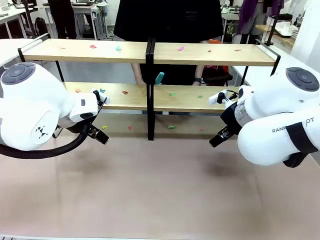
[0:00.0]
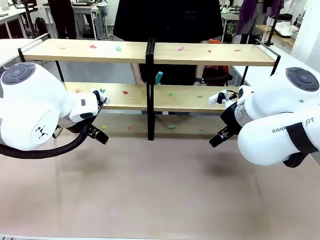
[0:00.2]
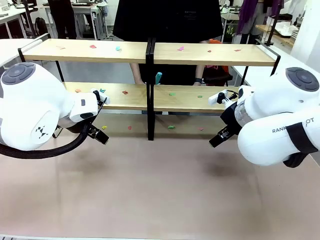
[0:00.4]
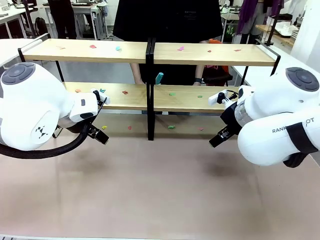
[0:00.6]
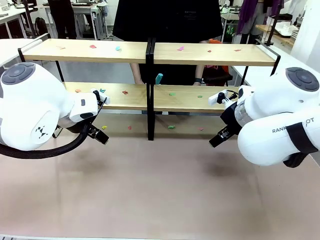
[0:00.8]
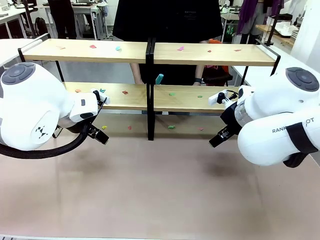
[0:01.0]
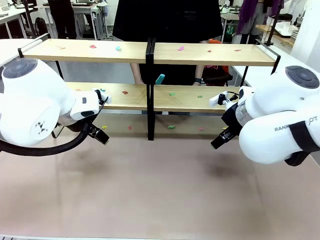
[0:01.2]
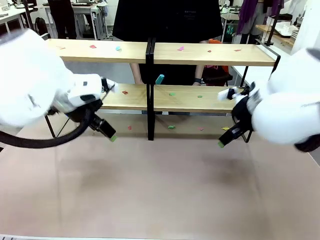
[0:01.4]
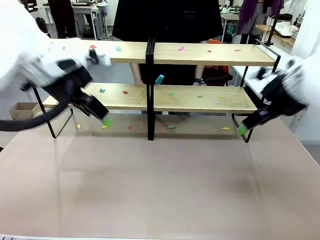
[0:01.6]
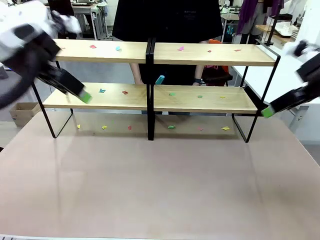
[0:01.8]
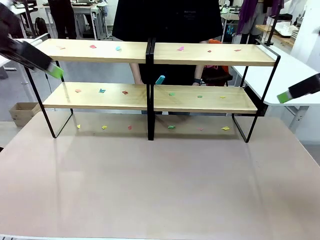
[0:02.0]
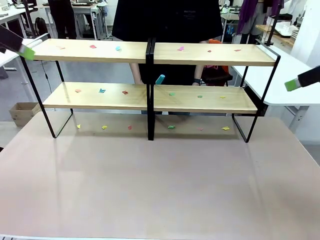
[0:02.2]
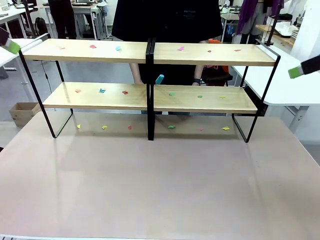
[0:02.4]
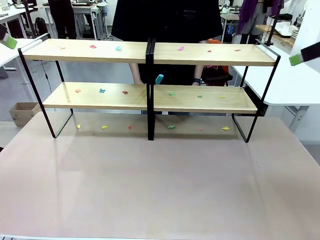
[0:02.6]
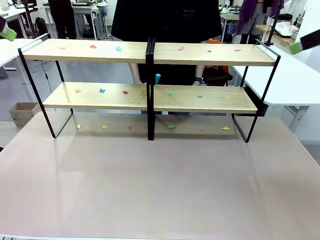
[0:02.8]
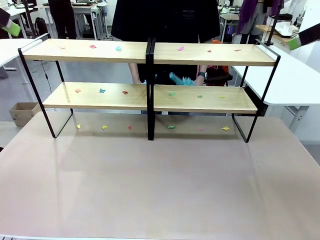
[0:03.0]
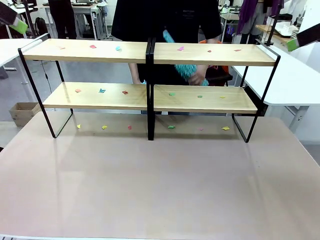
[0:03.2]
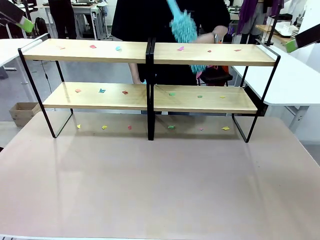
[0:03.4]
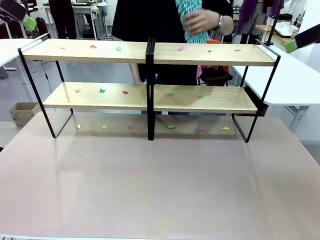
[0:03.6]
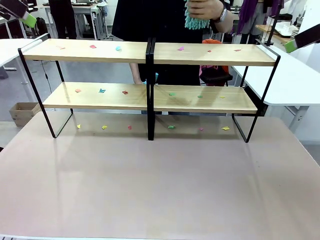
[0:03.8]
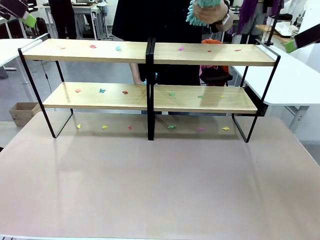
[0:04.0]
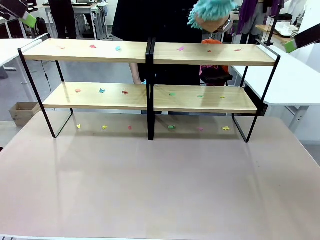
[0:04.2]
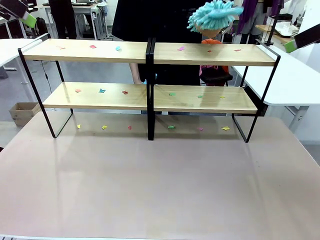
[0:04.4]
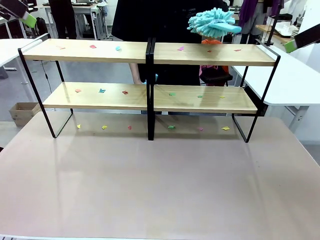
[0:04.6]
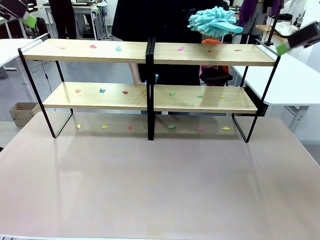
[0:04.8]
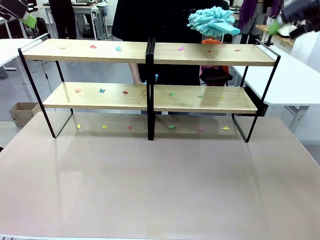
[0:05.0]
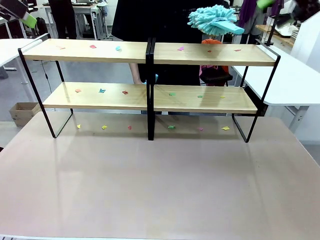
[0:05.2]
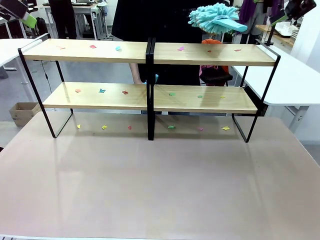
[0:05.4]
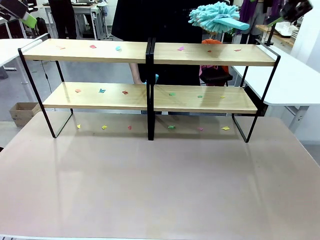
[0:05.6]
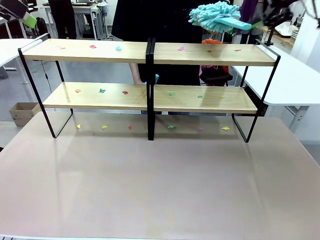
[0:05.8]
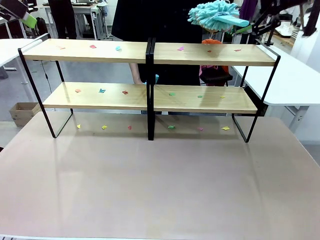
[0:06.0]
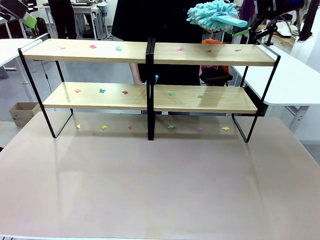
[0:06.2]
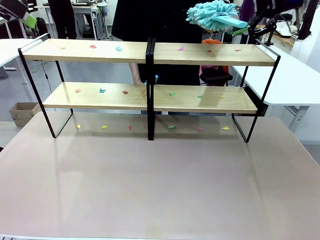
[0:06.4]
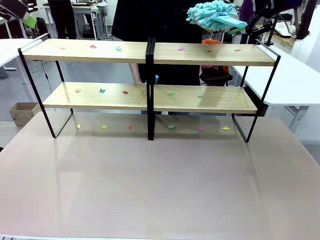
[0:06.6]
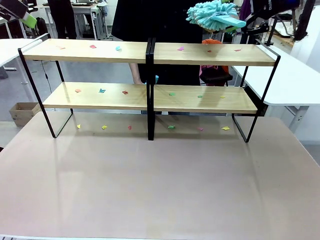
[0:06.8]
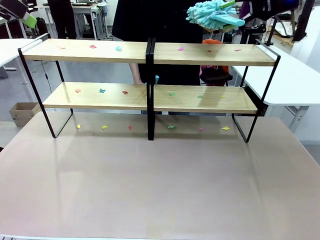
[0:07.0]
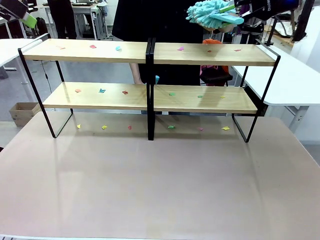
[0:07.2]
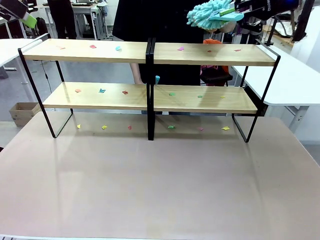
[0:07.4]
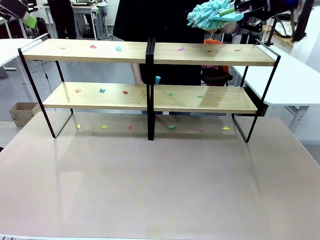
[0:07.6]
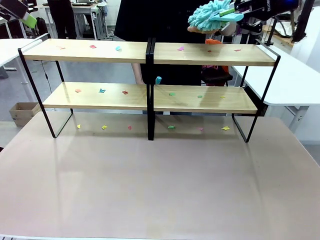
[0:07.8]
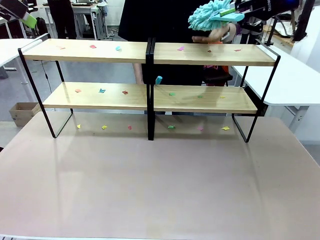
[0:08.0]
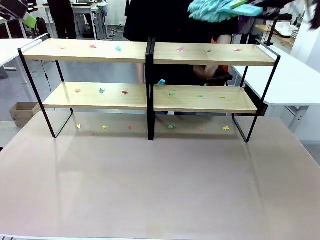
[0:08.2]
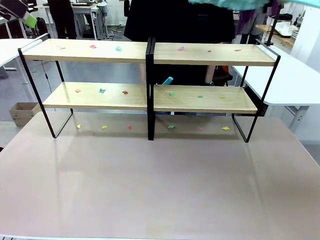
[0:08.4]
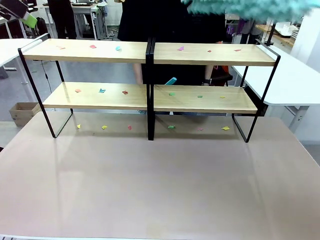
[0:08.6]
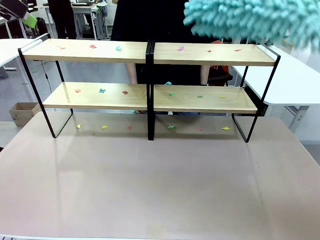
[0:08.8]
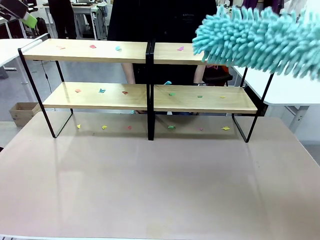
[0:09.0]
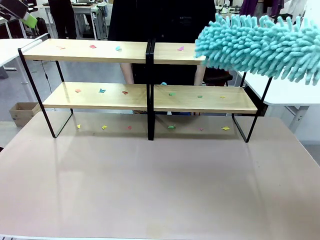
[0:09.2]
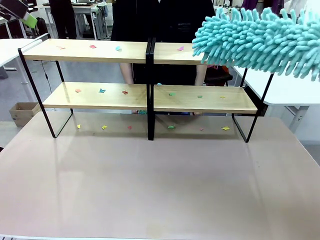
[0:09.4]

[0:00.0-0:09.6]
Task: Clean the shelves.
Robot: Pick up the Duster when the human hands it over.
Person: Hand the Duster to the robot with your right (or left) hand.

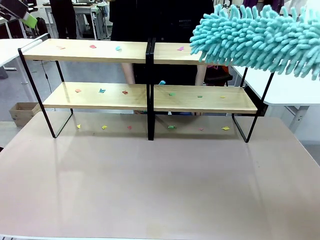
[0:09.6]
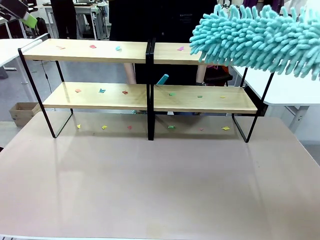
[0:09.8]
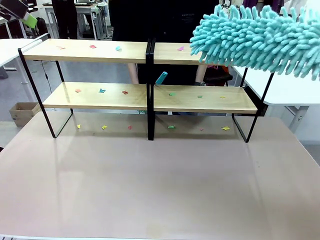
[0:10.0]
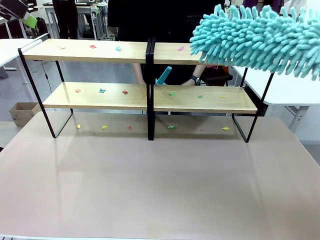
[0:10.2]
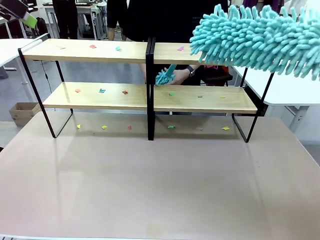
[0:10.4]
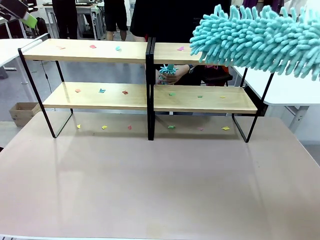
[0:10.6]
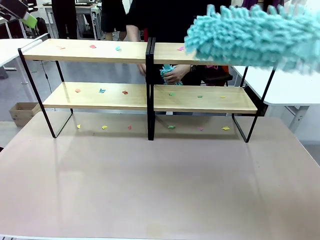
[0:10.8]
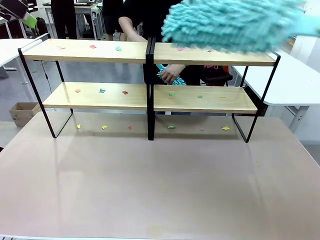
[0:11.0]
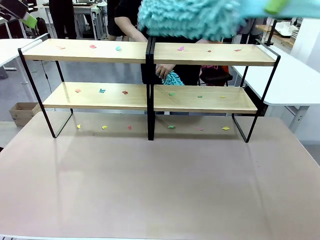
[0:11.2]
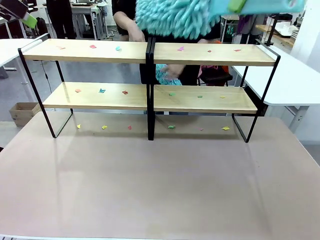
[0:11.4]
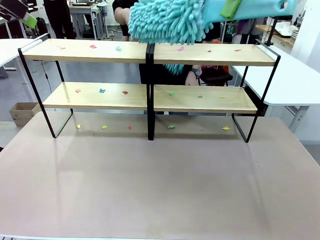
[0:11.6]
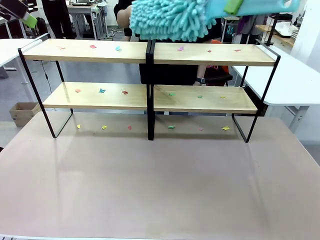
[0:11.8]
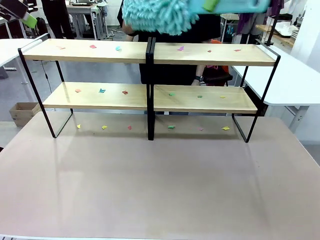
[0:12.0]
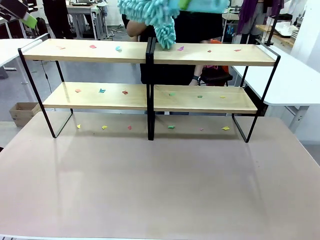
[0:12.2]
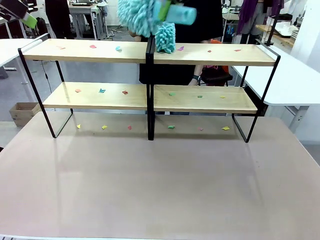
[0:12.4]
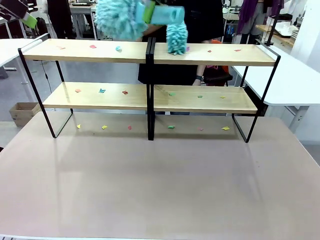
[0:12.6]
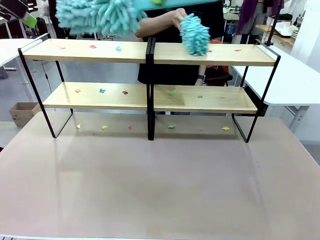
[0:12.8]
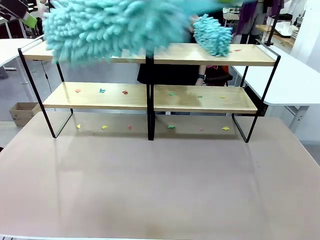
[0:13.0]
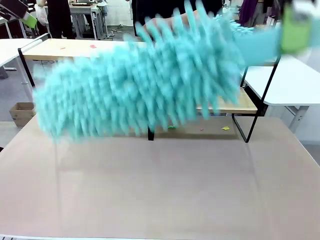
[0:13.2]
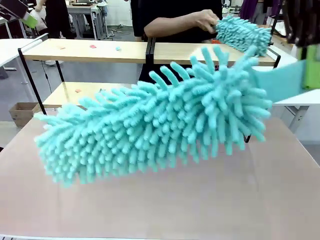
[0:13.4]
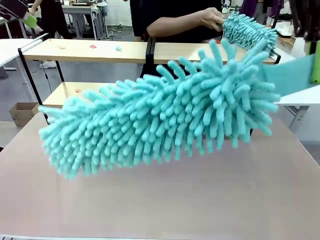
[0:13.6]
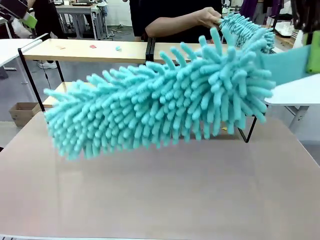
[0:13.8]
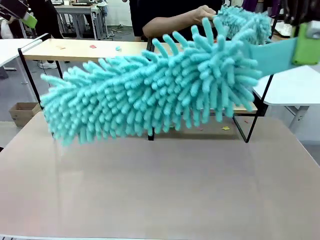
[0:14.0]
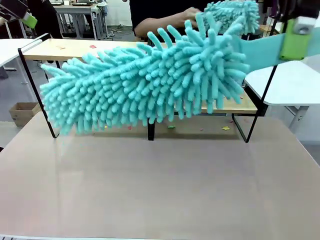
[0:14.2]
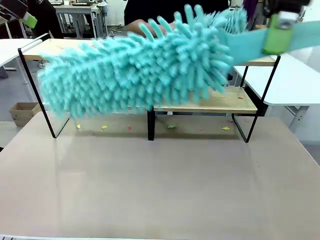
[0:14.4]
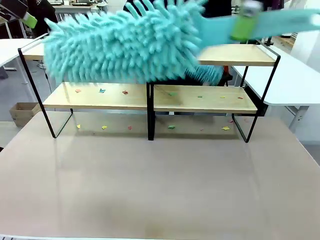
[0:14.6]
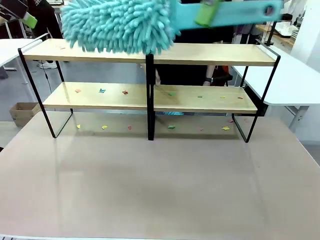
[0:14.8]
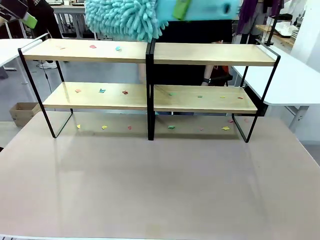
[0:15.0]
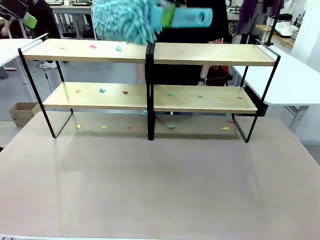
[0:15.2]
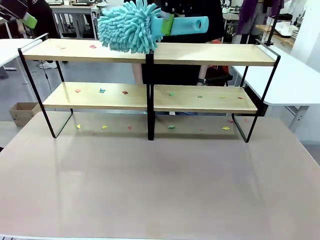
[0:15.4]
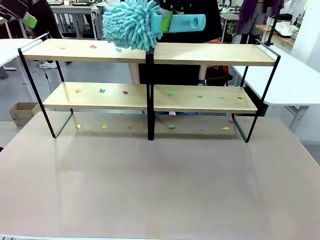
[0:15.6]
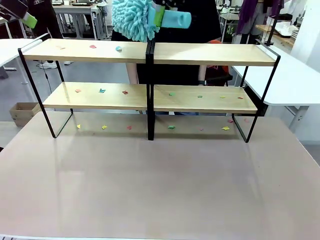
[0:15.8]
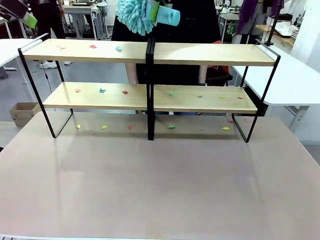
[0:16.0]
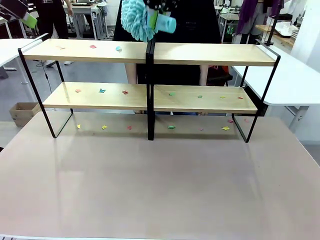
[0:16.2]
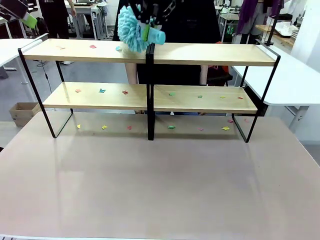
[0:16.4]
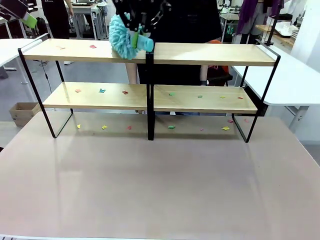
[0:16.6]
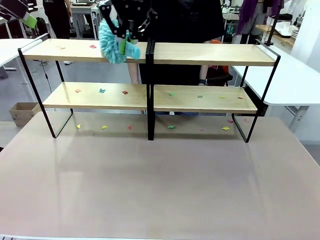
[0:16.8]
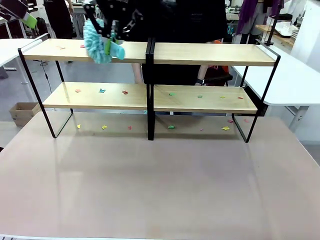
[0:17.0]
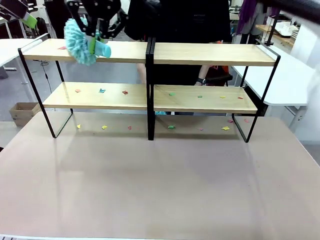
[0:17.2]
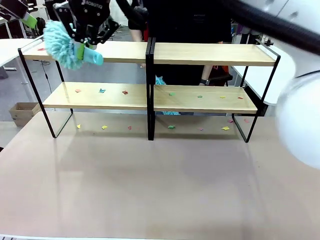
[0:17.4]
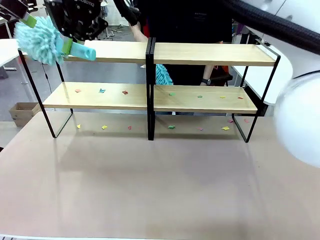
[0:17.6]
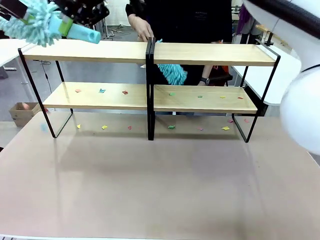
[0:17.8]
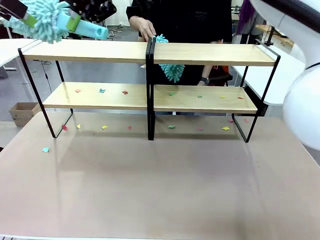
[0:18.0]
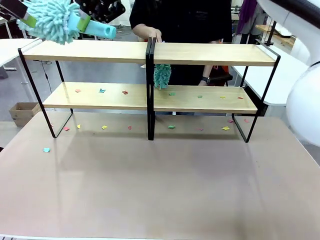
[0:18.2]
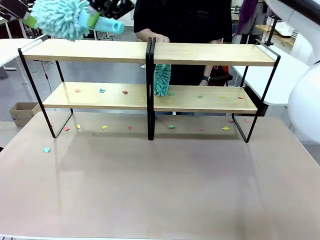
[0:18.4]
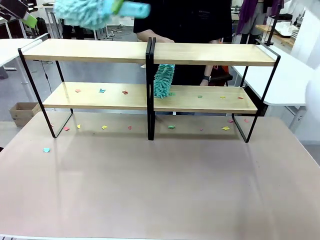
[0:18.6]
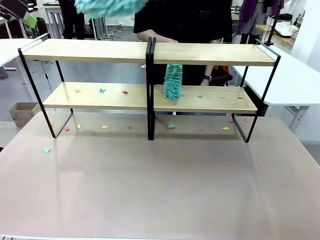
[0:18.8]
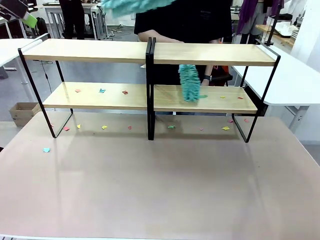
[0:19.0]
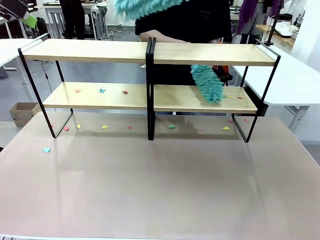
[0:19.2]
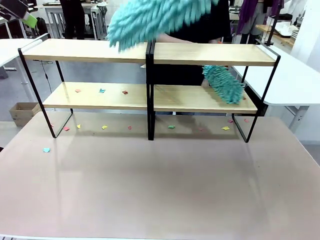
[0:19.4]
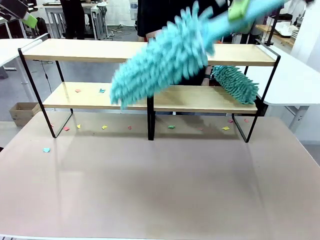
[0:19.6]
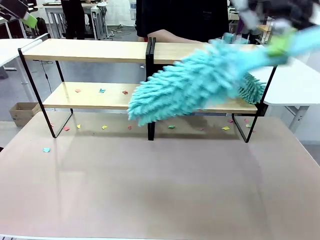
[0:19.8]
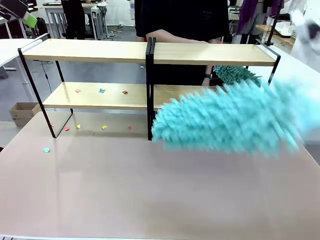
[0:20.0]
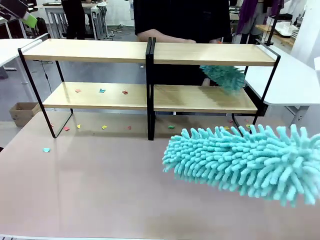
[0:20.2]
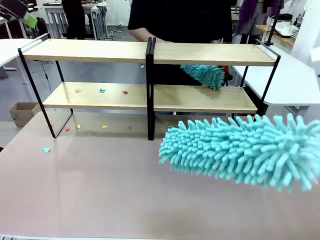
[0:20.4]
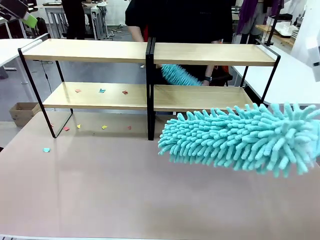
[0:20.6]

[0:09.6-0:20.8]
Robot: Clean a randomly selected level of the Shelf with the Duster.
